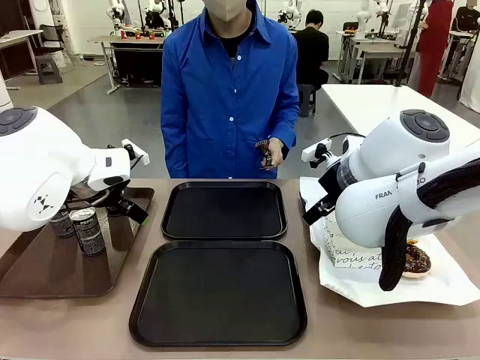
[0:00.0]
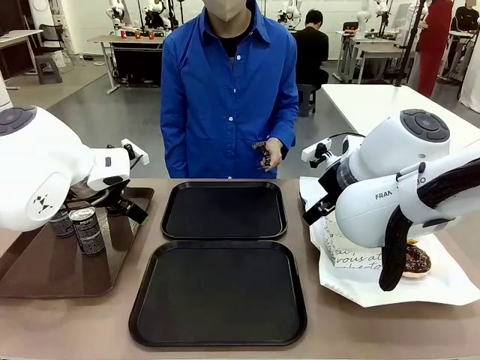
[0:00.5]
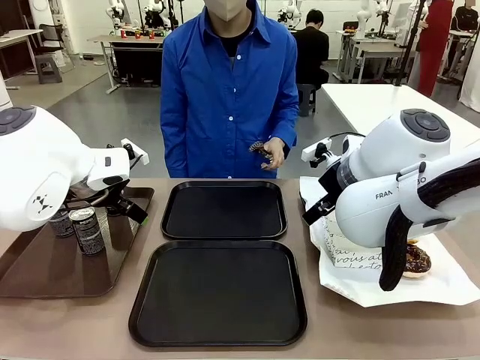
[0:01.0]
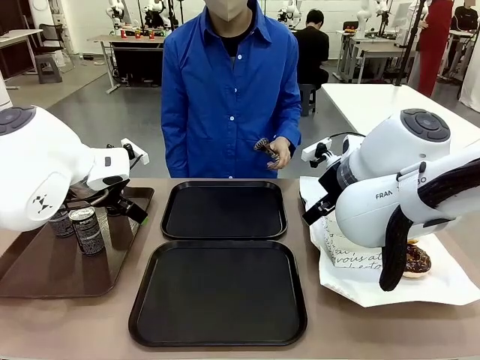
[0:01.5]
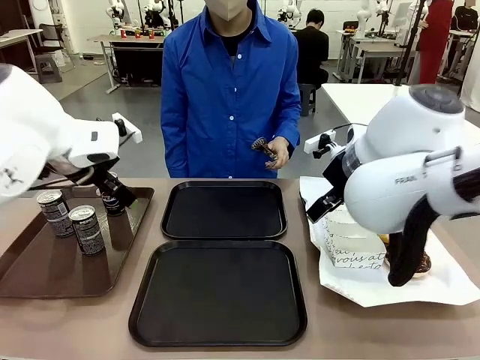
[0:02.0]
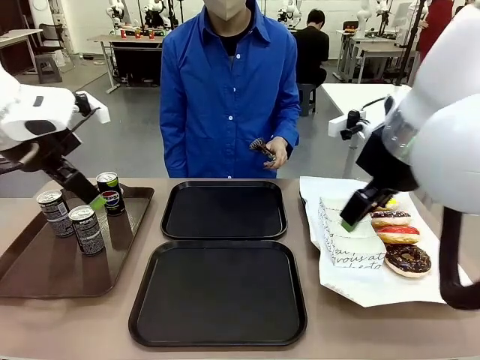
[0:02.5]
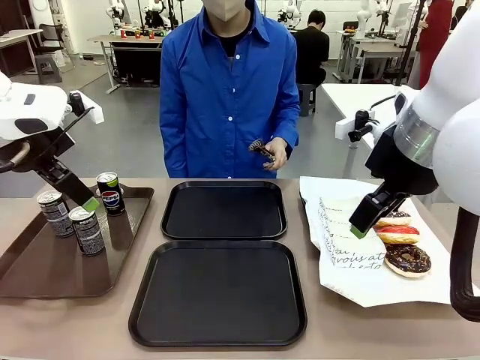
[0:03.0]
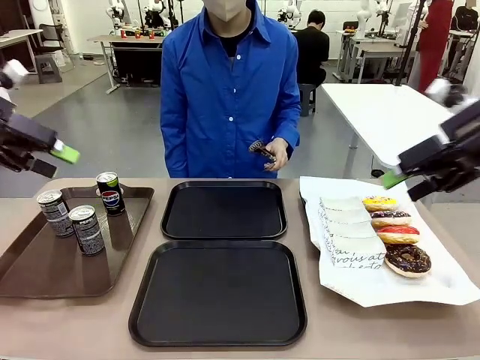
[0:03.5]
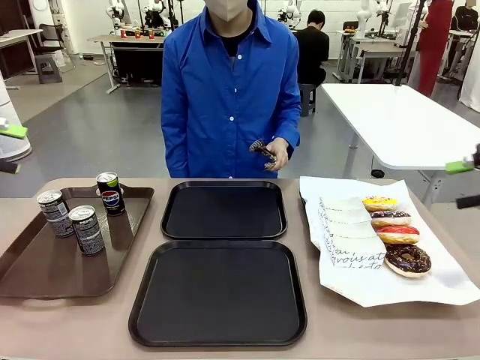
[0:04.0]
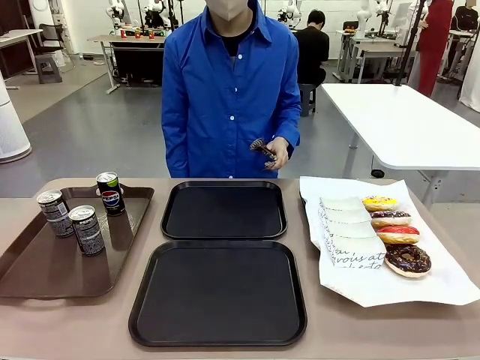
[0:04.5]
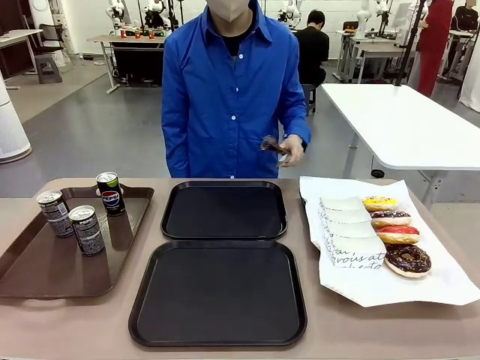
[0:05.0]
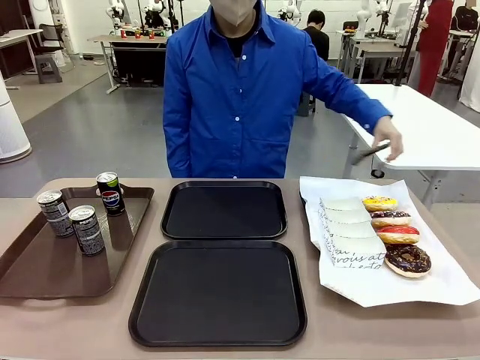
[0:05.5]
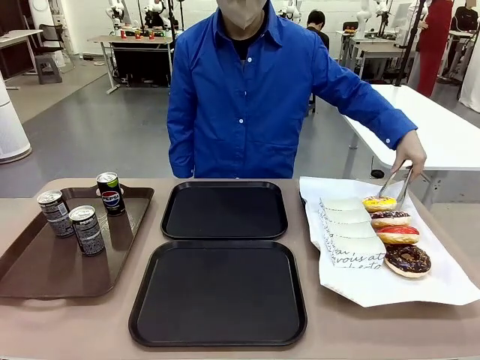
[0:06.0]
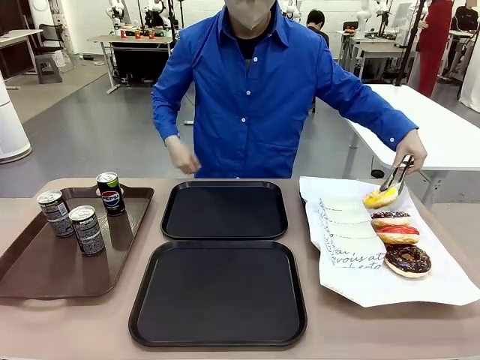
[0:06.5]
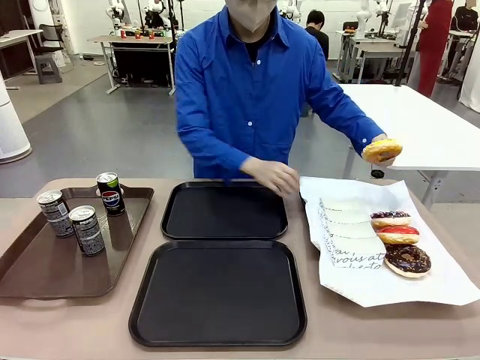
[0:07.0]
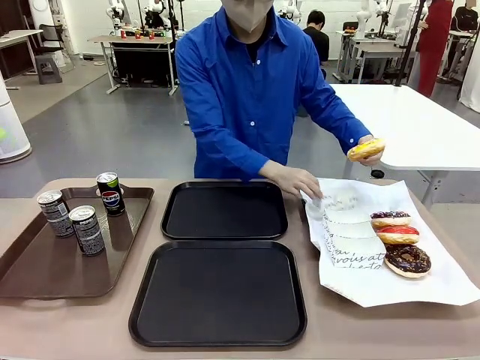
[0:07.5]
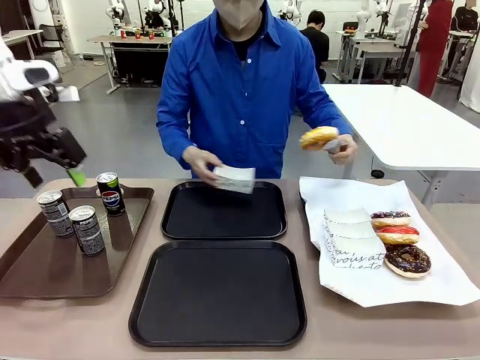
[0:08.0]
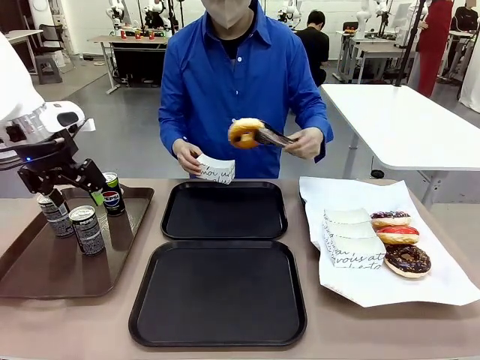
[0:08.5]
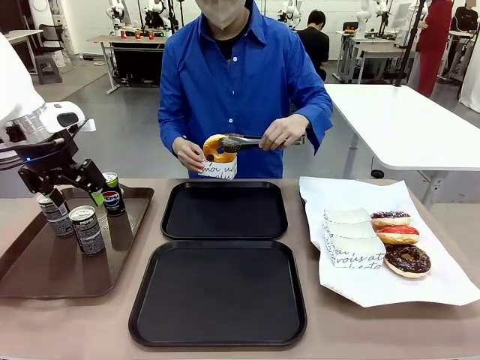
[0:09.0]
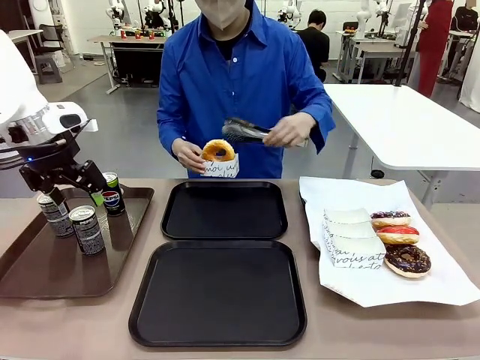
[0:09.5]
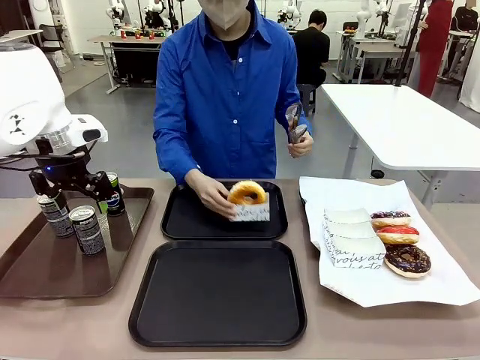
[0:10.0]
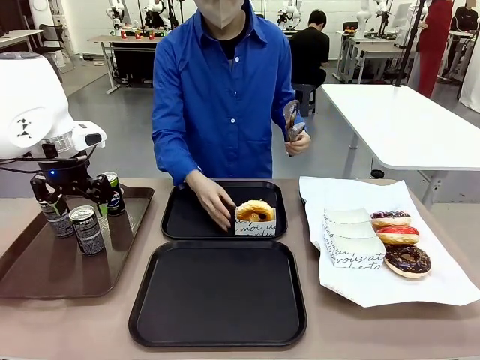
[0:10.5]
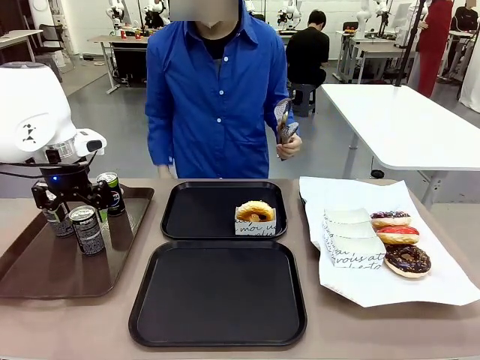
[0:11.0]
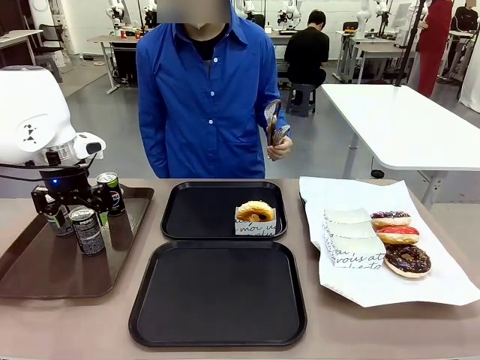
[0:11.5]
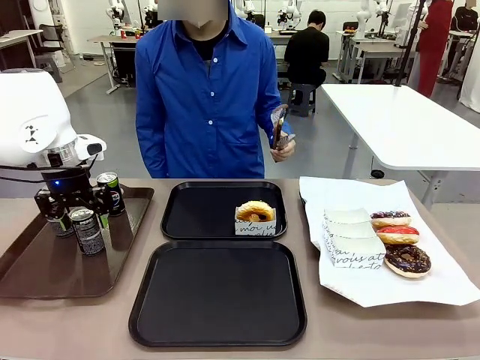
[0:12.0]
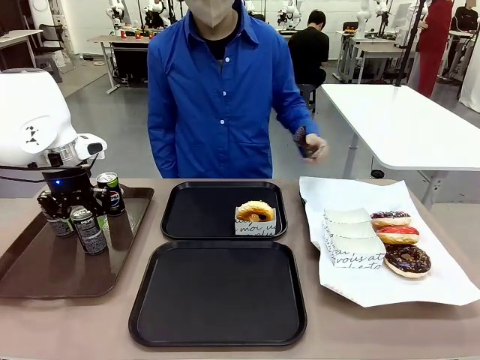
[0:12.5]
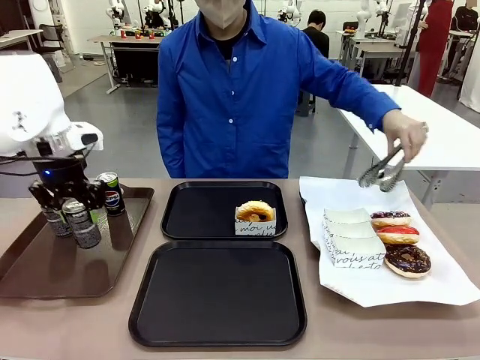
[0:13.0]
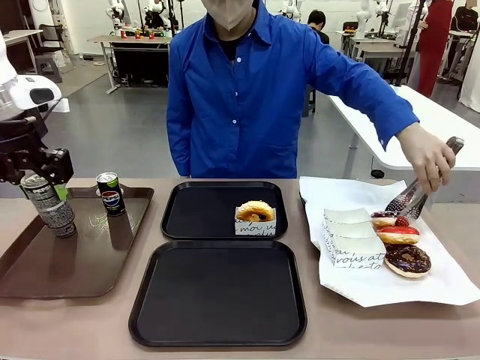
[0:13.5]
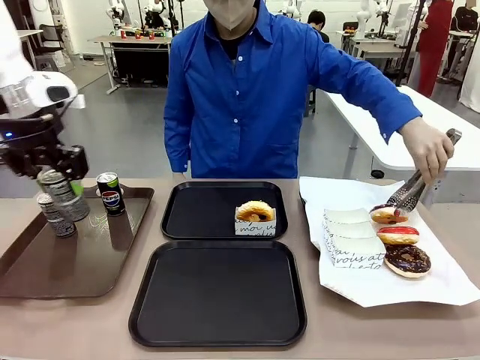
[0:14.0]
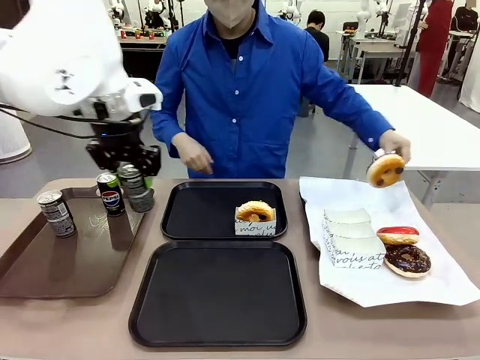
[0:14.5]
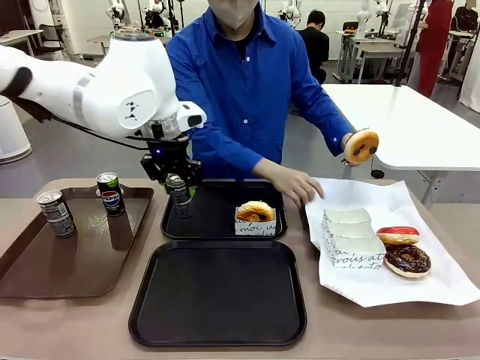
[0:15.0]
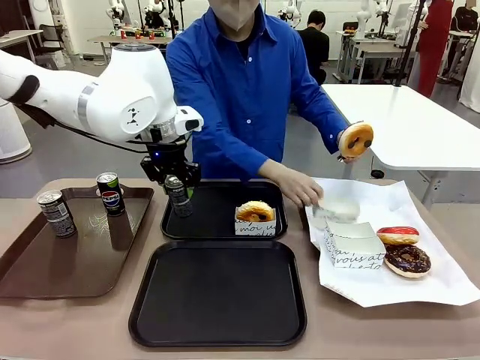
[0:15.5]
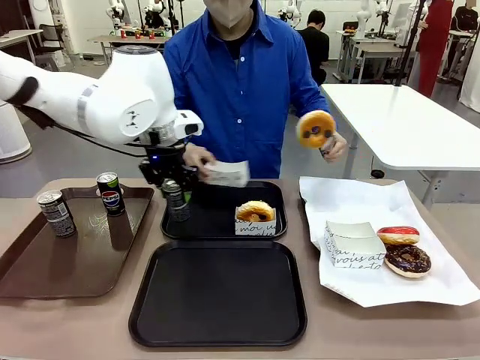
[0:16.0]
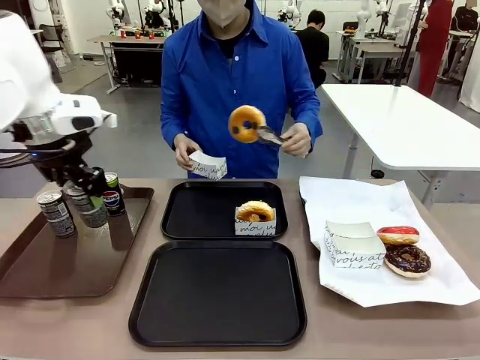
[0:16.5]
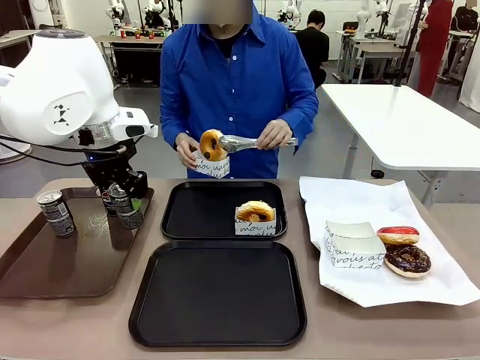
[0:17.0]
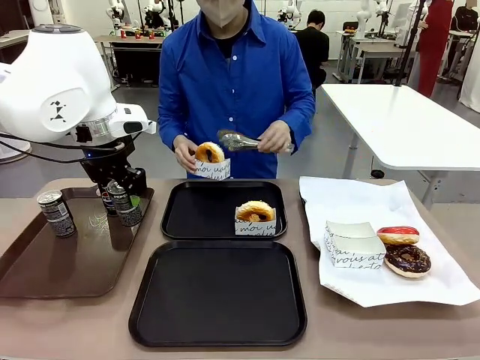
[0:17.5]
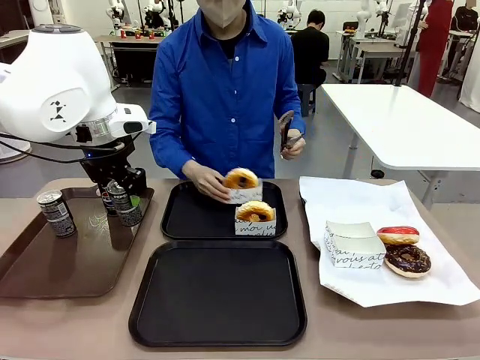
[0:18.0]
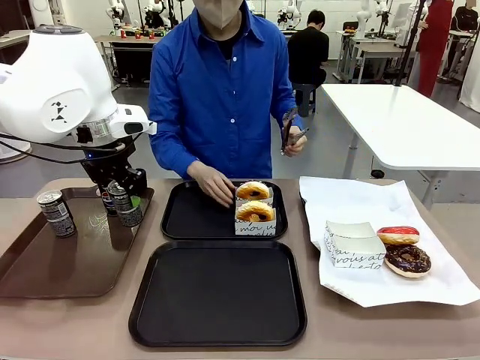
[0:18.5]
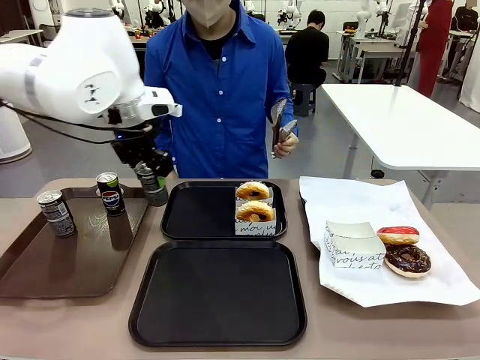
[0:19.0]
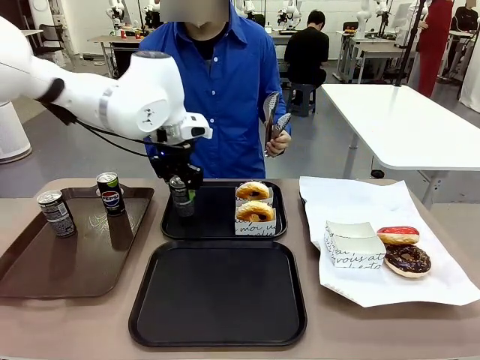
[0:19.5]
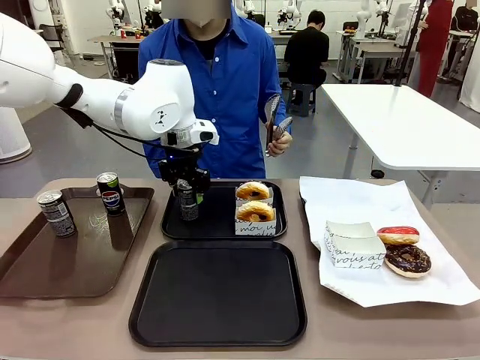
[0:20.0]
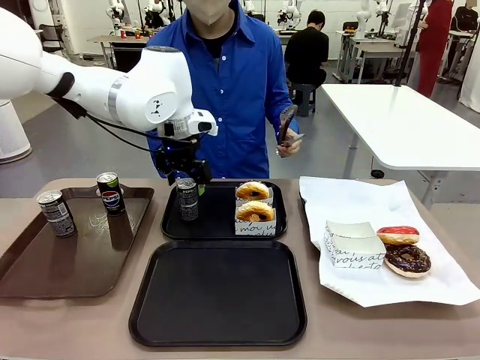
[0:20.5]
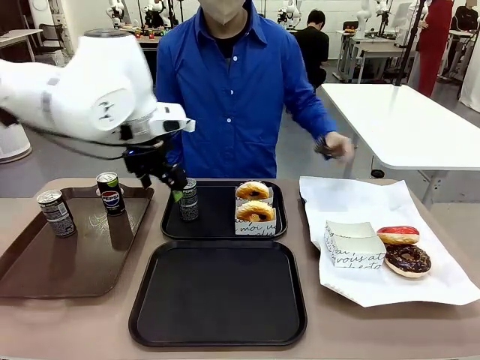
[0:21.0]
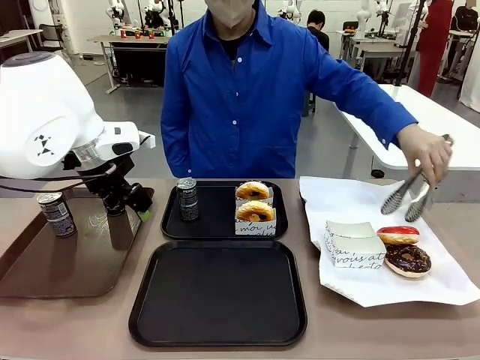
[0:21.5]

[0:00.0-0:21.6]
Task: Set up donuts and drinks on trays.
Robot: Pick up one Pepsi coke and place it on the Flat Tray.
Person: Pick up one donut with tongs, place it in the donut tray, and then place the donut tray on the flat tray.
